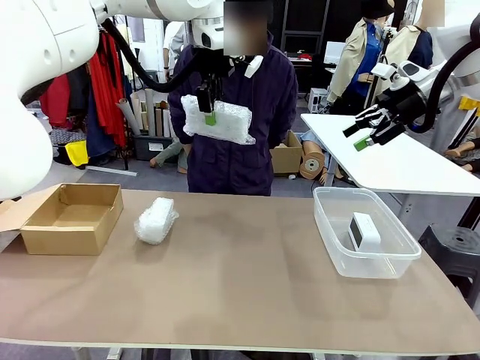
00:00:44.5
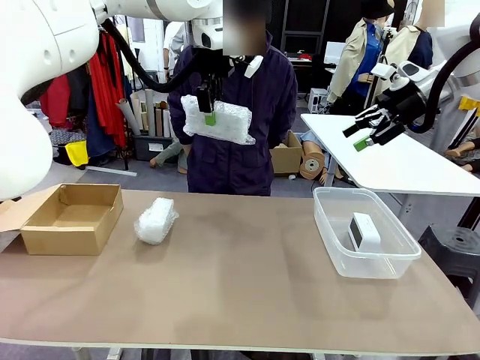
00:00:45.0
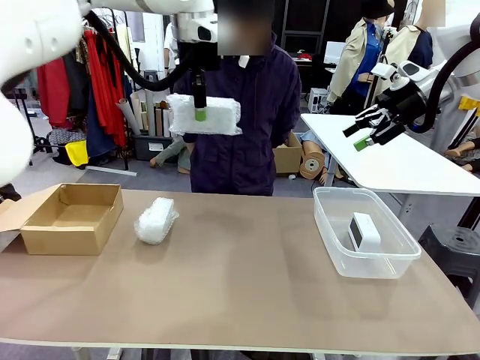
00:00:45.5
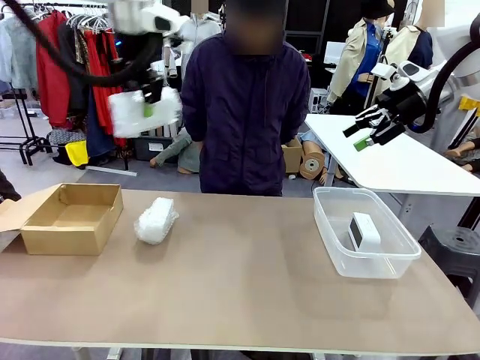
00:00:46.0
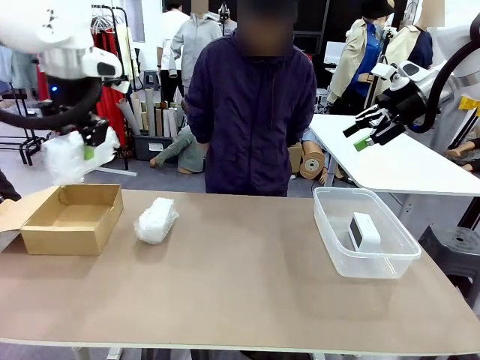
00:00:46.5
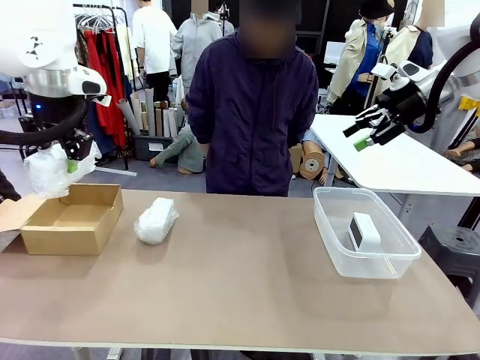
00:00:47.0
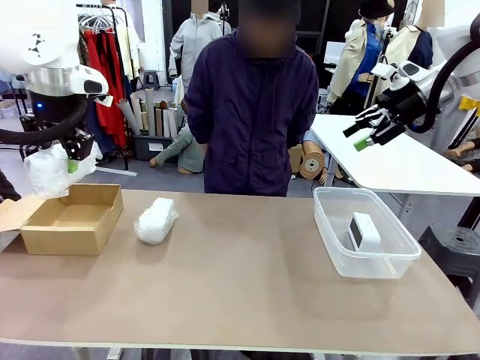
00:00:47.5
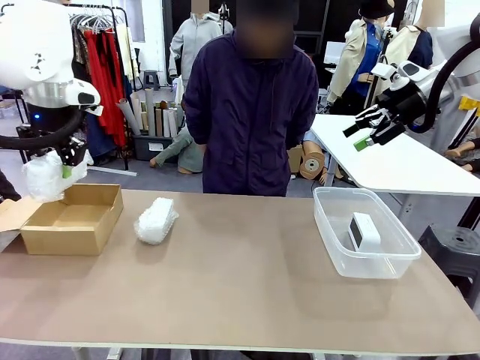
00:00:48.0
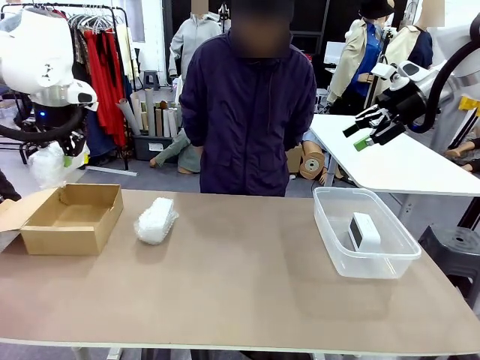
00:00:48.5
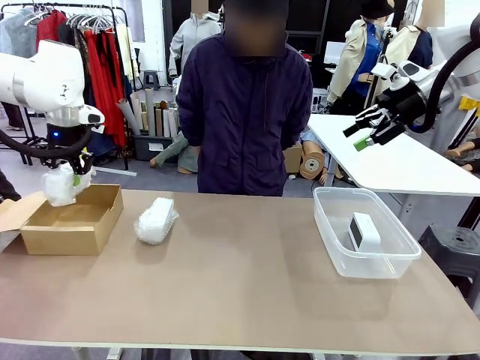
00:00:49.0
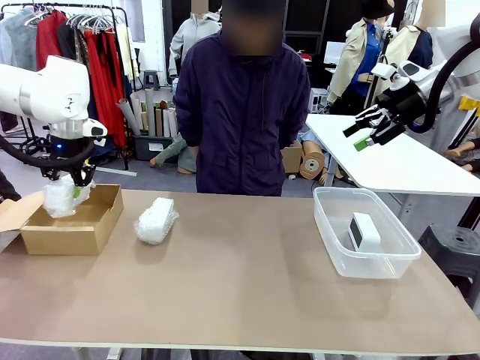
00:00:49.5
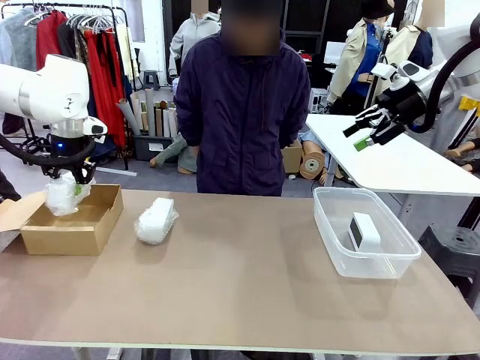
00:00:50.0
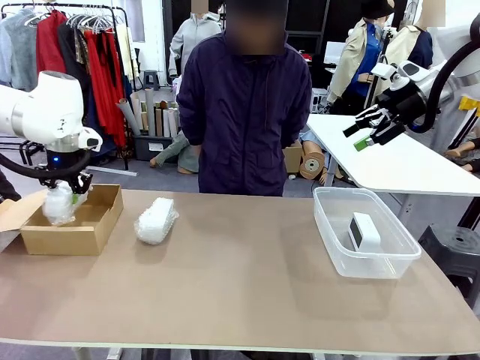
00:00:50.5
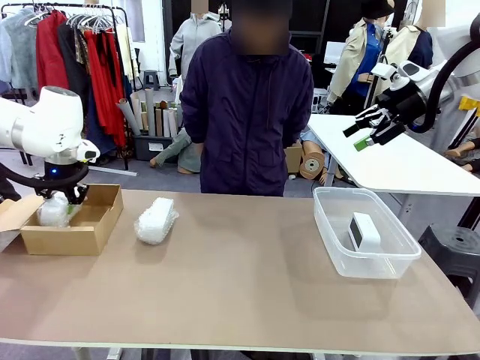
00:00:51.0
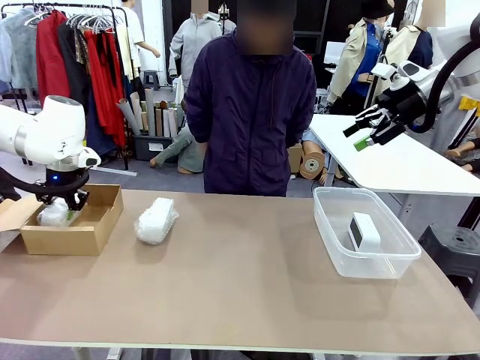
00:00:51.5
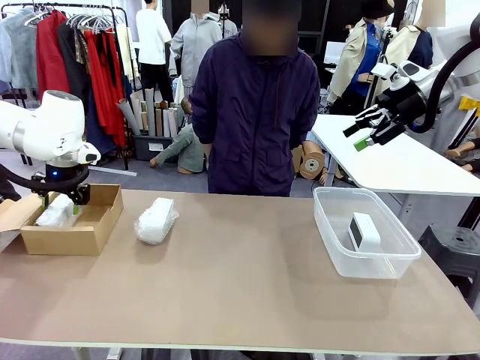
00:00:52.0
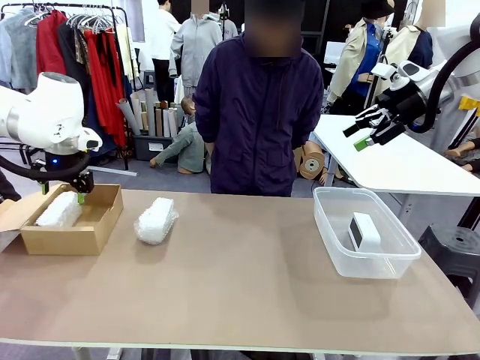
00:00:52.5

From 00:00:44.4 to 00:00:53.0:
Task: Separate and place wrapped and unwrapped clocks.
Robot: If the picked Digital clock is wrapped, place it in the Package Box ; if not, place it in the Organizing box.

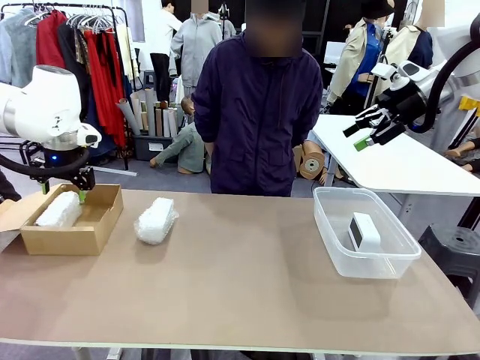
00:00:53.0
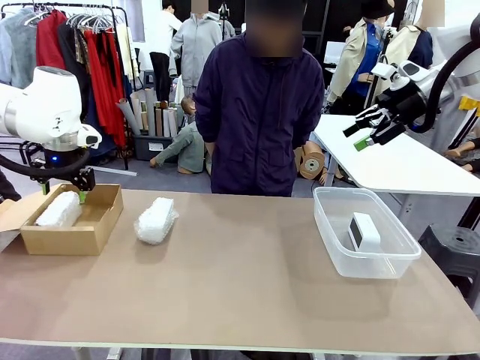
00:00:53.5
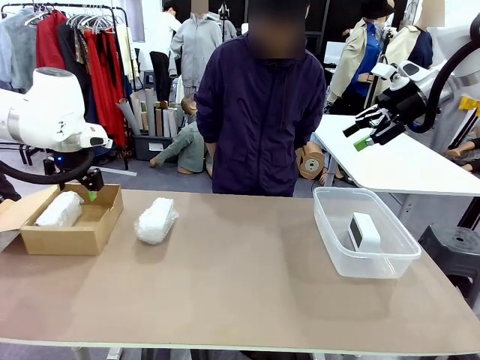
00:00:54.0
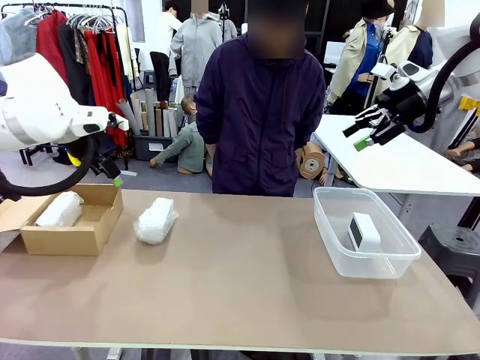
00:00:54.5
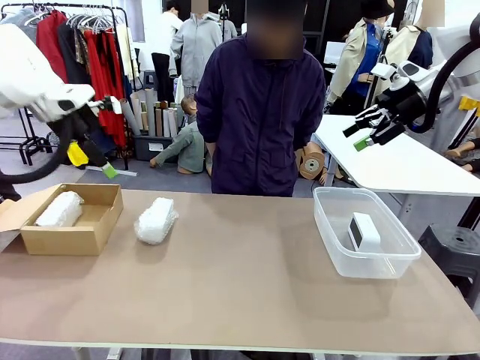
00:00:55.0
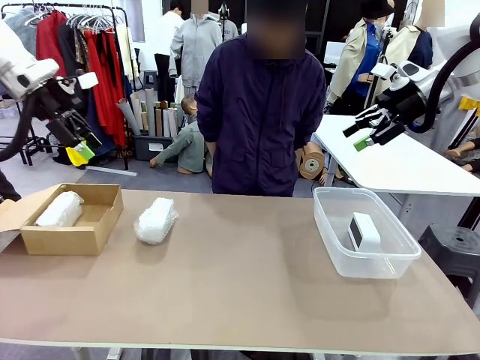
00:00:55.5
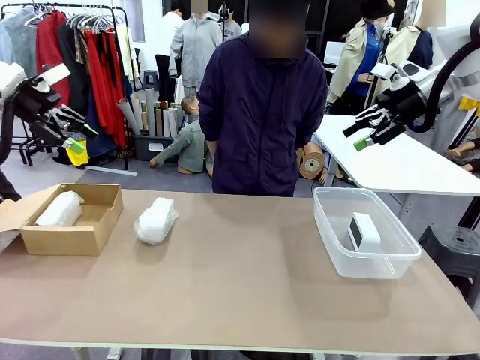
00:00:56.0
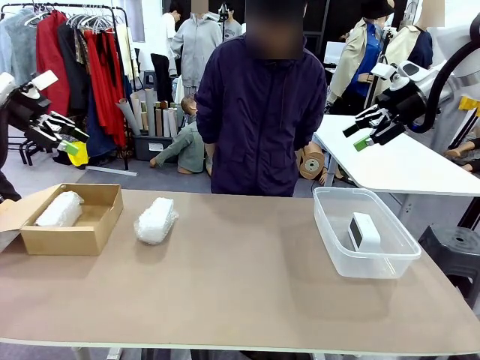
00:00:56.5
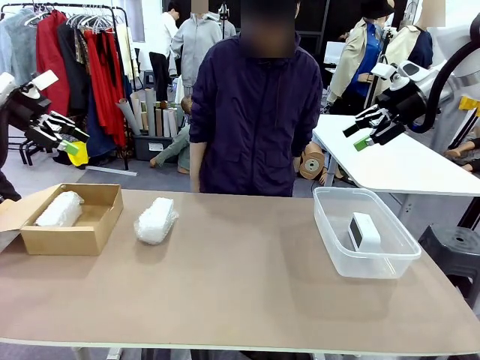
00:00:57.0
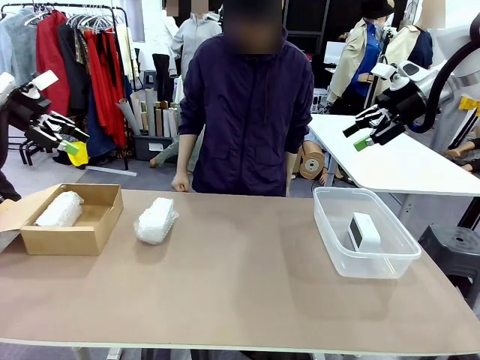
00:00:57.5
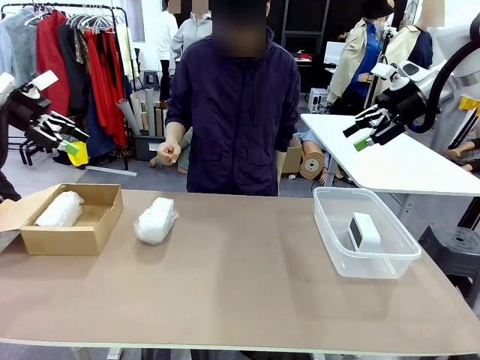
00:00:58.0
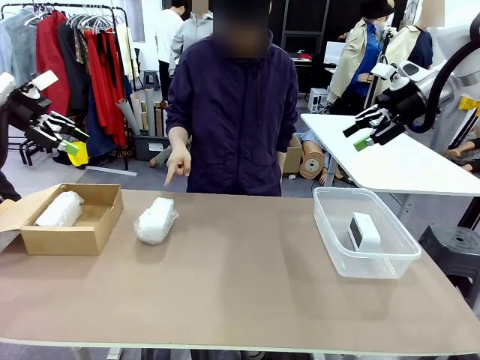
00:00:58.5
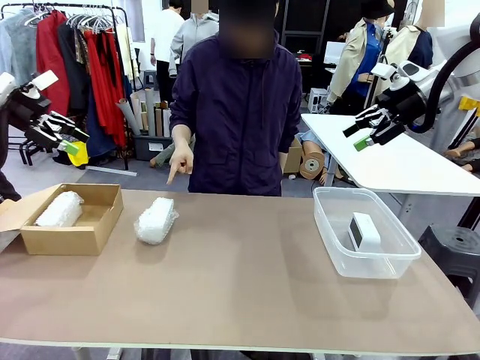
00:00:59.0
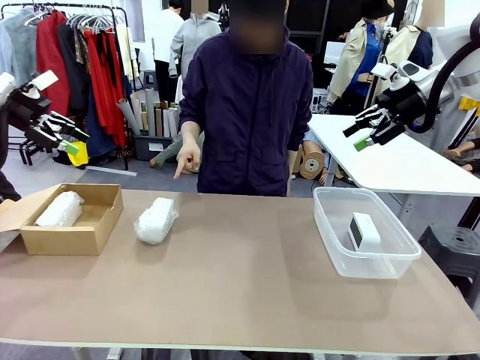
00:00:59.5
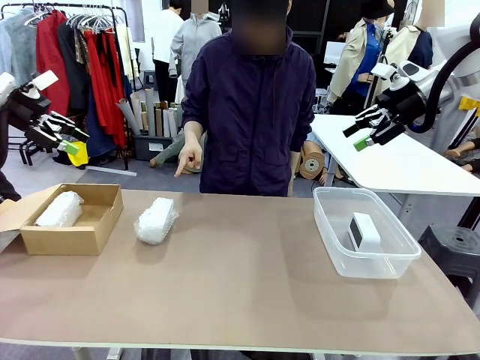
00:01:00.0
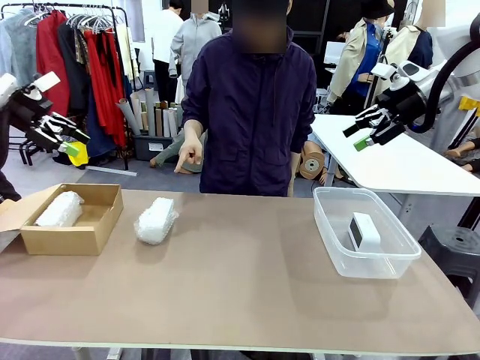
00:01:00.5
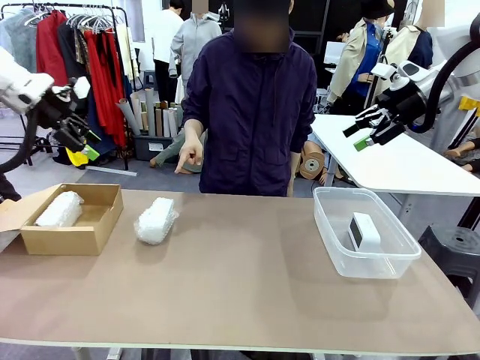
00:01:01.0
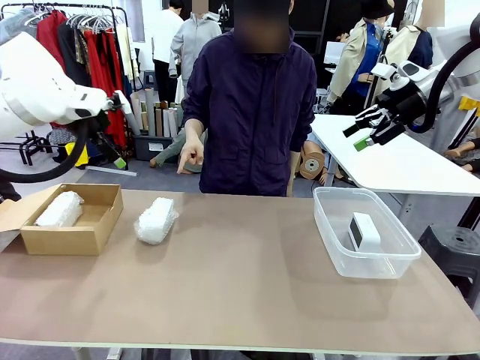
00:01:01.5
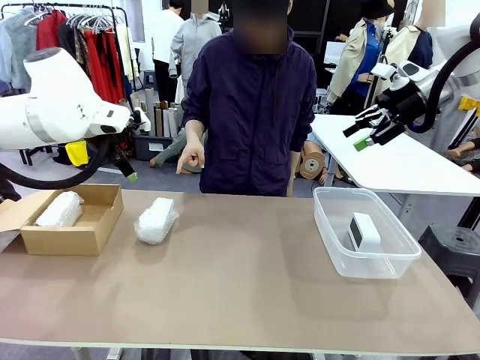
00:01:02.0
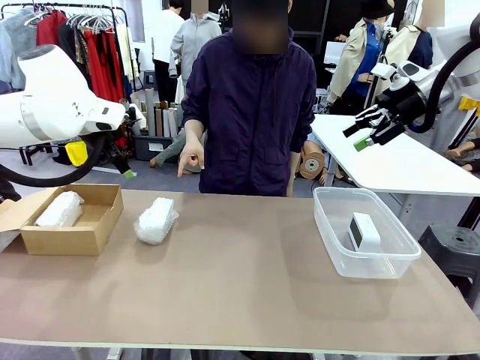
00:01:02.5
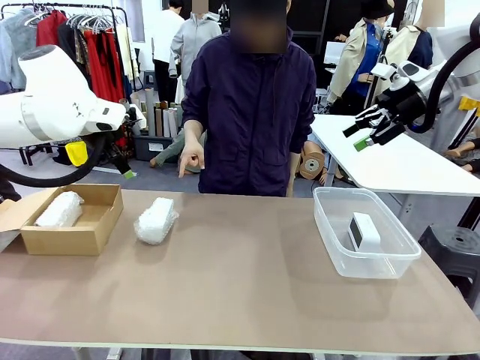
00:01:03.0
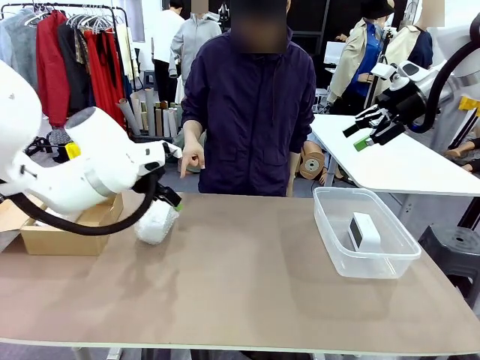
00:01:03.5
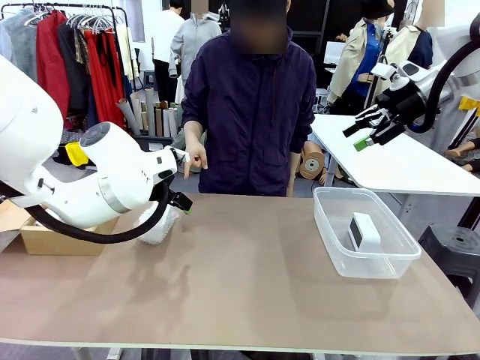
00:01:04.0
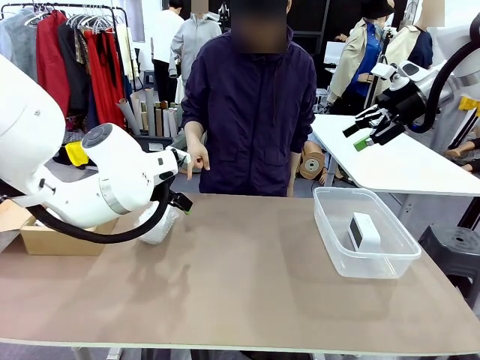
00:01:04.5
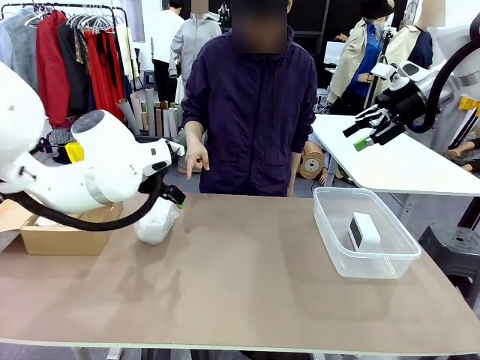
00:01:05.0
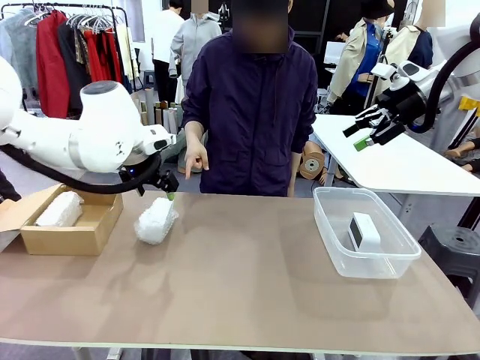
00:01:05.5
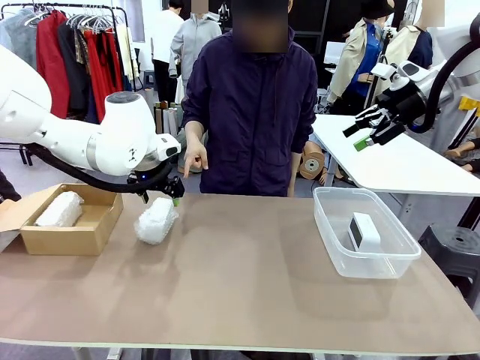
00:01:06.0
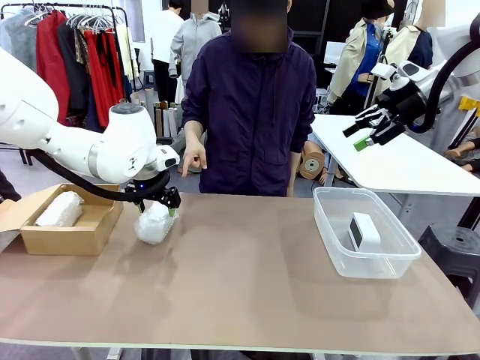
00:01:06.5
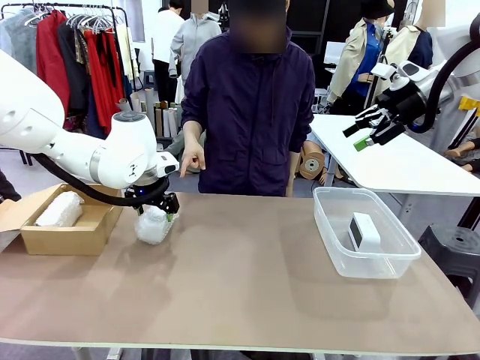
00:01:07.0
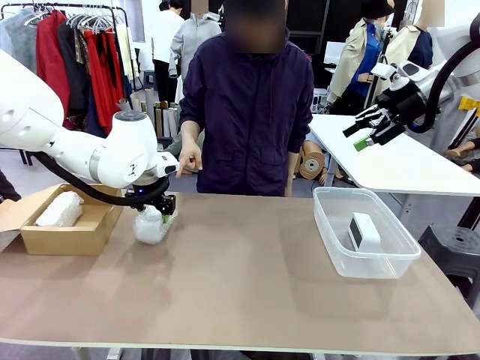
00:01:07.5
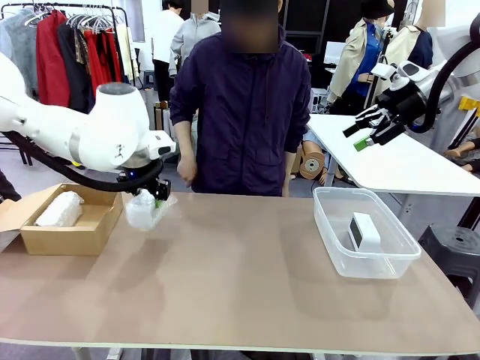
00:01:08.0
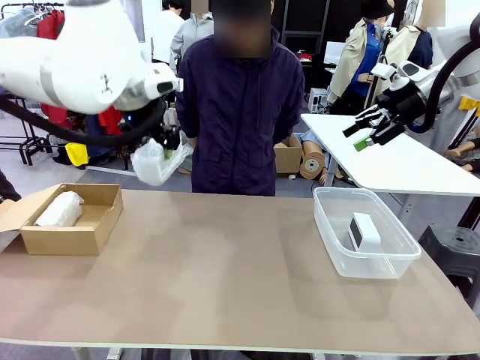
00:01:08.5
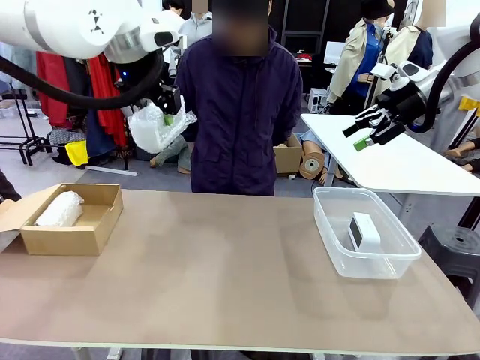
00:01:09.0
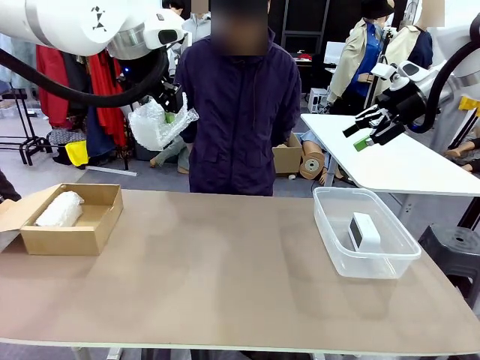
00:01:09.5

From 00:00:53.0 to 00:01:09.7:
Robot: Pick up the Digital clock indicated by the person.
